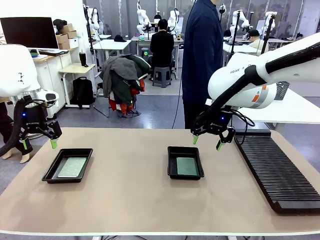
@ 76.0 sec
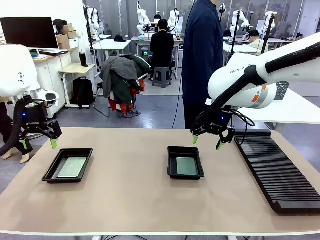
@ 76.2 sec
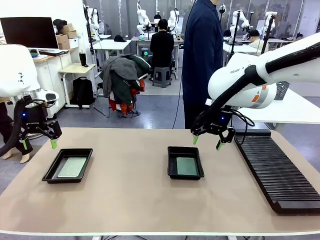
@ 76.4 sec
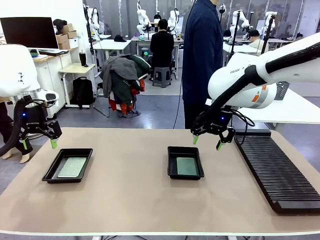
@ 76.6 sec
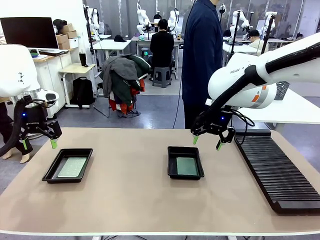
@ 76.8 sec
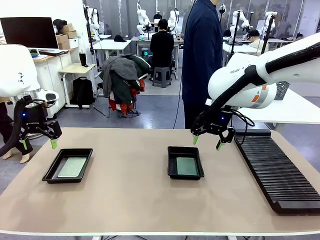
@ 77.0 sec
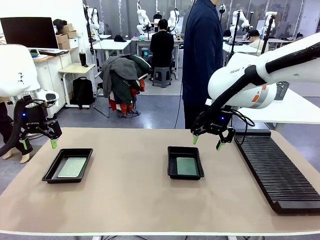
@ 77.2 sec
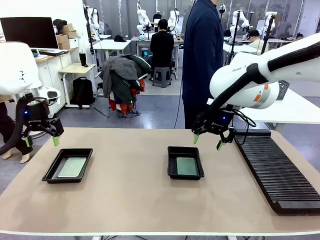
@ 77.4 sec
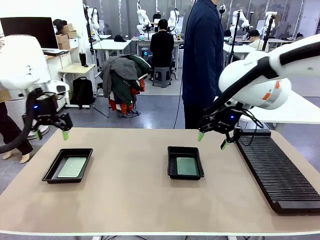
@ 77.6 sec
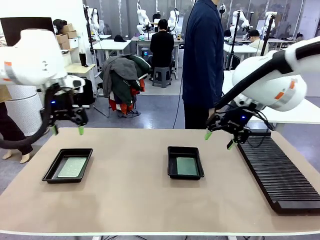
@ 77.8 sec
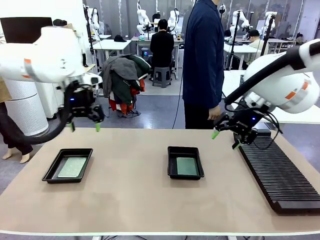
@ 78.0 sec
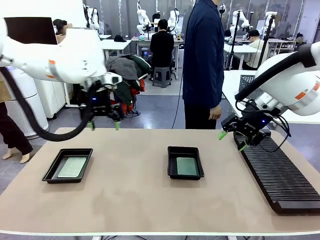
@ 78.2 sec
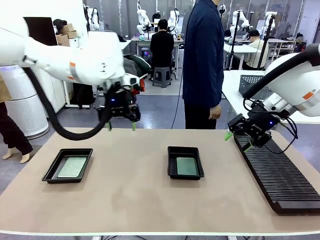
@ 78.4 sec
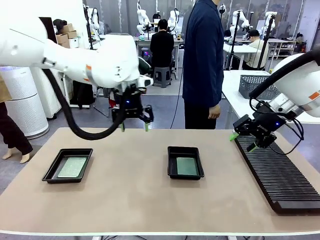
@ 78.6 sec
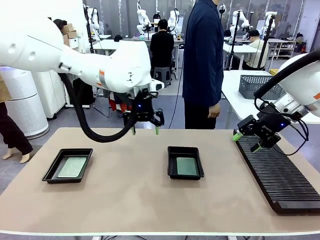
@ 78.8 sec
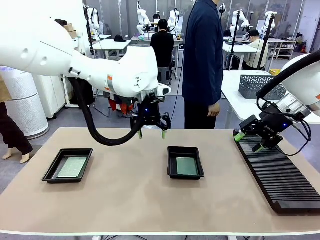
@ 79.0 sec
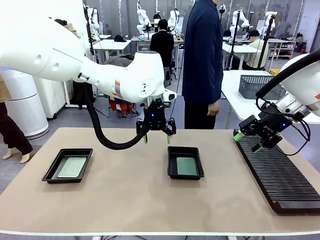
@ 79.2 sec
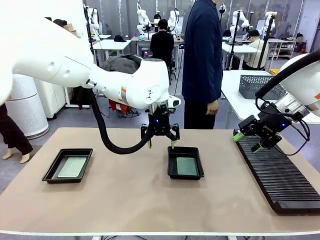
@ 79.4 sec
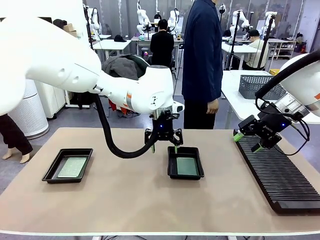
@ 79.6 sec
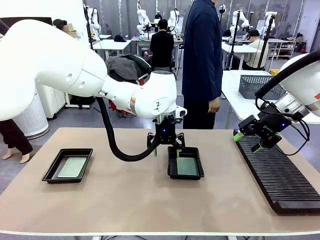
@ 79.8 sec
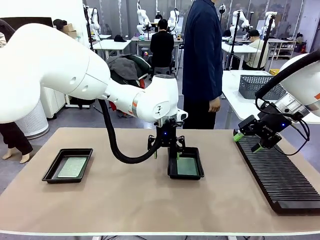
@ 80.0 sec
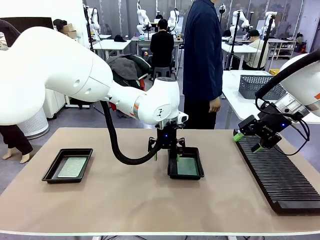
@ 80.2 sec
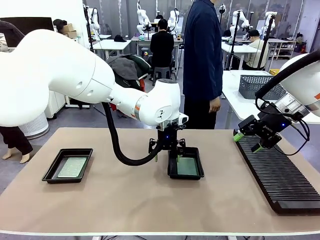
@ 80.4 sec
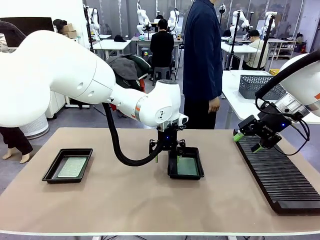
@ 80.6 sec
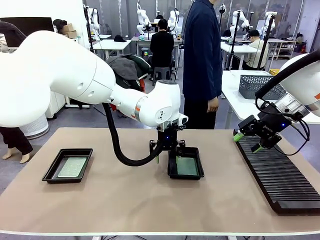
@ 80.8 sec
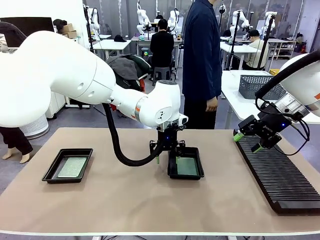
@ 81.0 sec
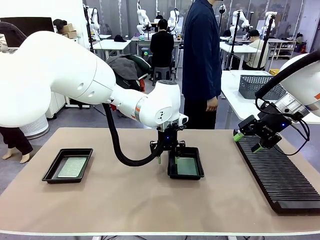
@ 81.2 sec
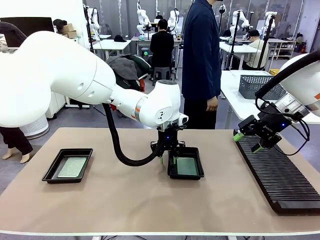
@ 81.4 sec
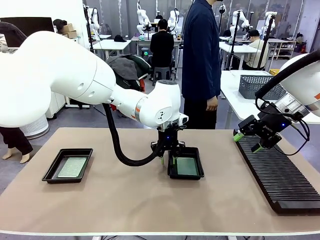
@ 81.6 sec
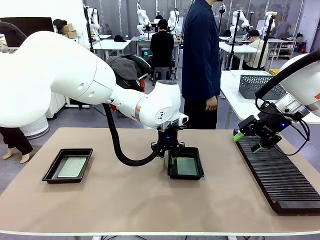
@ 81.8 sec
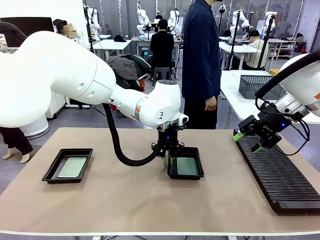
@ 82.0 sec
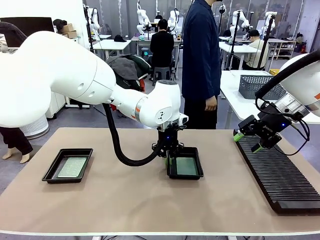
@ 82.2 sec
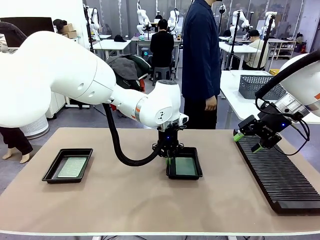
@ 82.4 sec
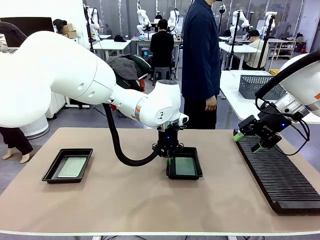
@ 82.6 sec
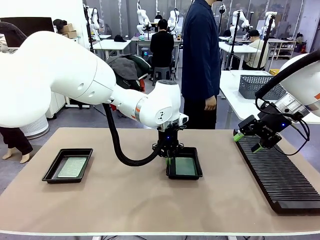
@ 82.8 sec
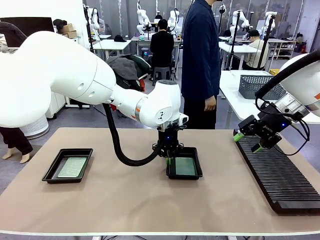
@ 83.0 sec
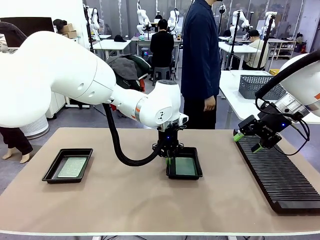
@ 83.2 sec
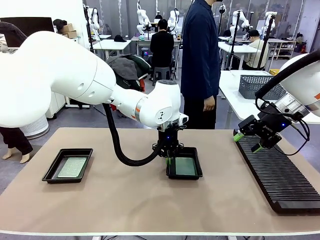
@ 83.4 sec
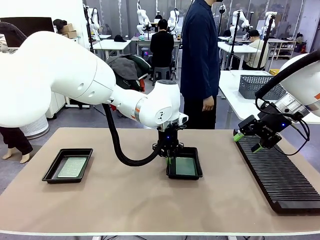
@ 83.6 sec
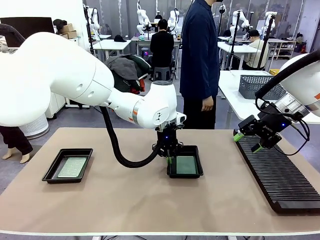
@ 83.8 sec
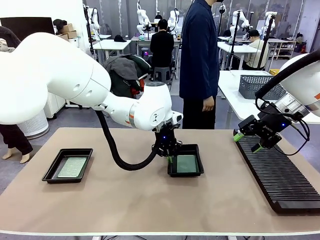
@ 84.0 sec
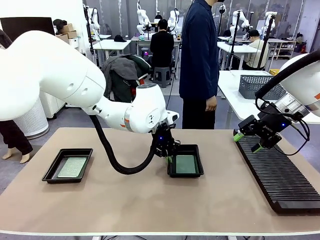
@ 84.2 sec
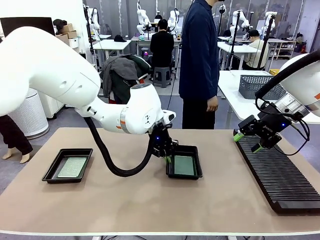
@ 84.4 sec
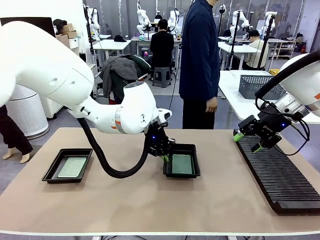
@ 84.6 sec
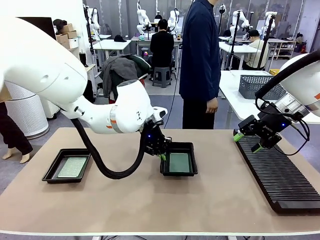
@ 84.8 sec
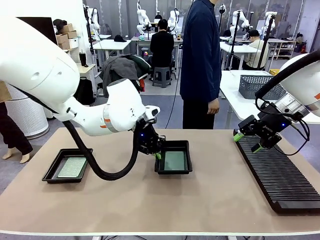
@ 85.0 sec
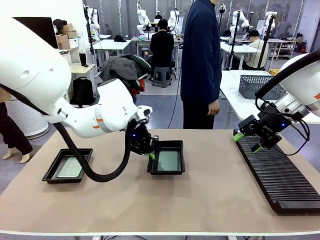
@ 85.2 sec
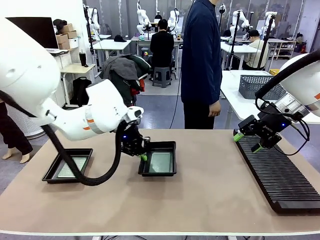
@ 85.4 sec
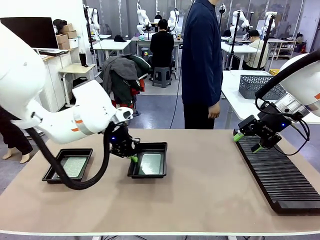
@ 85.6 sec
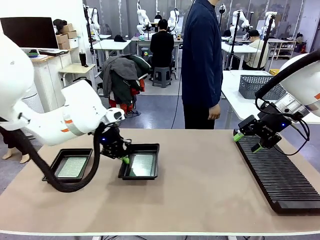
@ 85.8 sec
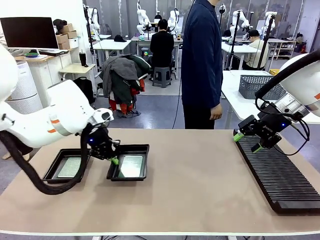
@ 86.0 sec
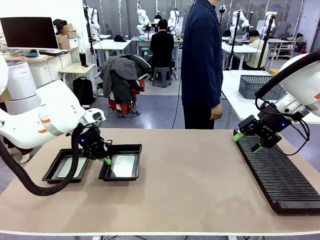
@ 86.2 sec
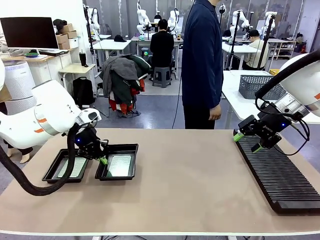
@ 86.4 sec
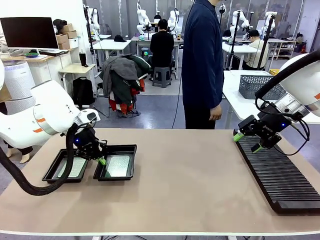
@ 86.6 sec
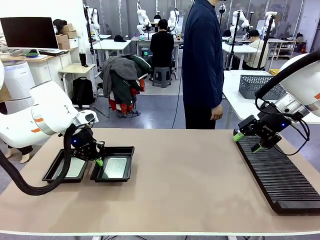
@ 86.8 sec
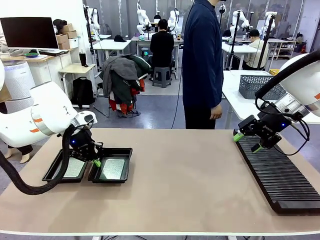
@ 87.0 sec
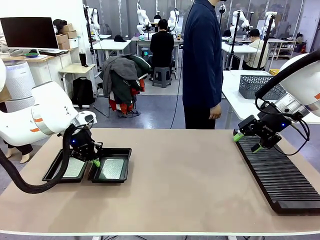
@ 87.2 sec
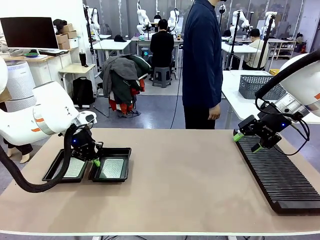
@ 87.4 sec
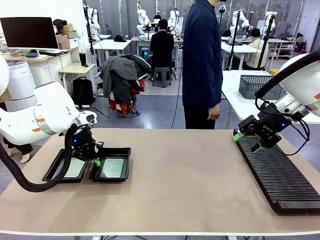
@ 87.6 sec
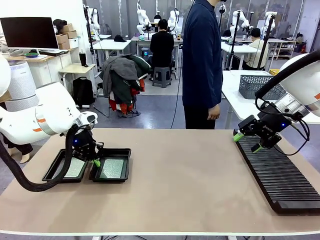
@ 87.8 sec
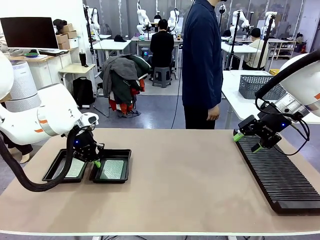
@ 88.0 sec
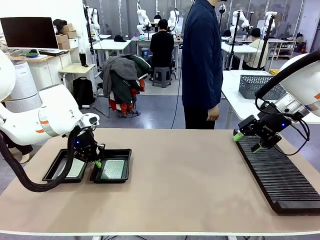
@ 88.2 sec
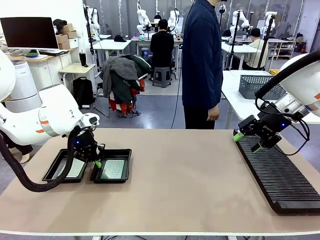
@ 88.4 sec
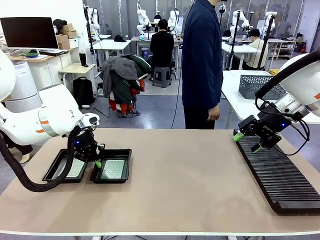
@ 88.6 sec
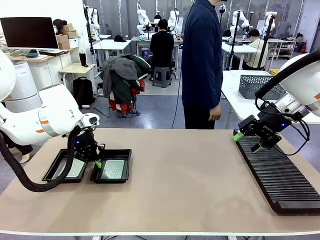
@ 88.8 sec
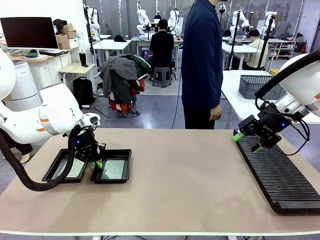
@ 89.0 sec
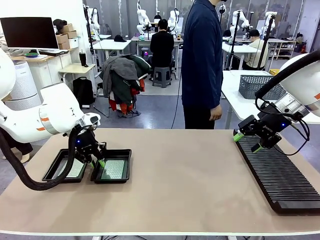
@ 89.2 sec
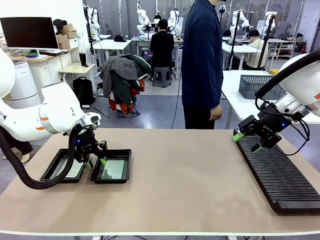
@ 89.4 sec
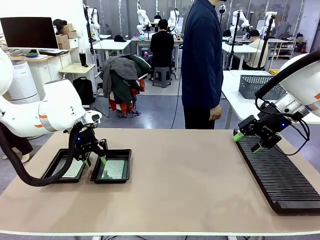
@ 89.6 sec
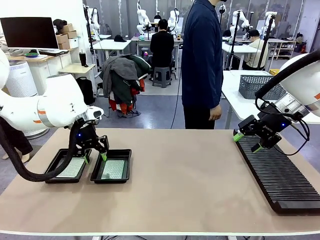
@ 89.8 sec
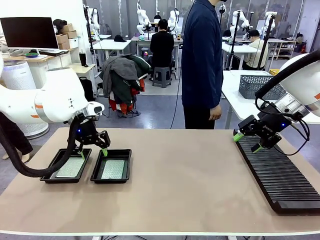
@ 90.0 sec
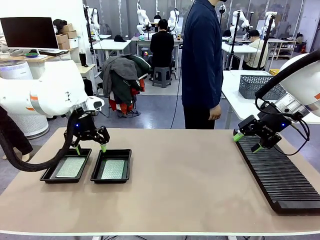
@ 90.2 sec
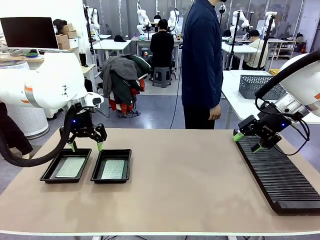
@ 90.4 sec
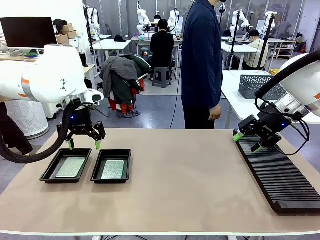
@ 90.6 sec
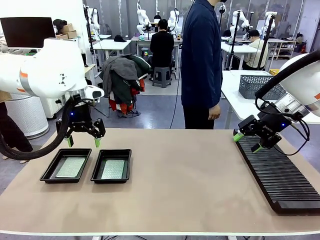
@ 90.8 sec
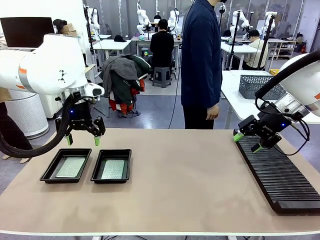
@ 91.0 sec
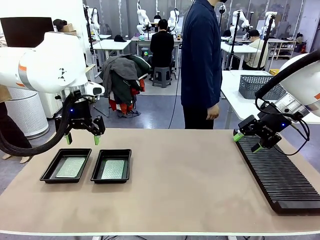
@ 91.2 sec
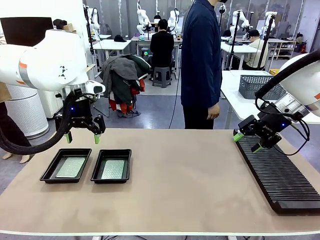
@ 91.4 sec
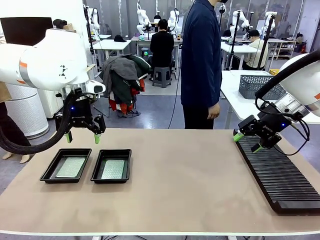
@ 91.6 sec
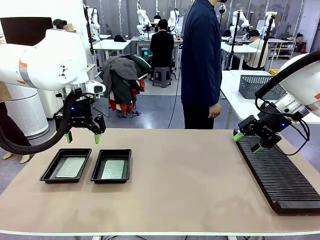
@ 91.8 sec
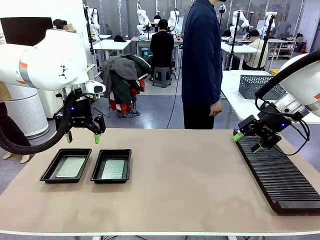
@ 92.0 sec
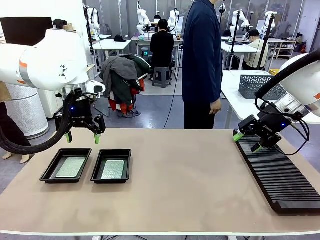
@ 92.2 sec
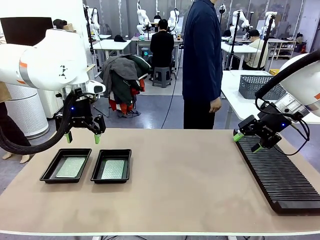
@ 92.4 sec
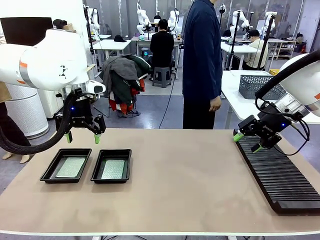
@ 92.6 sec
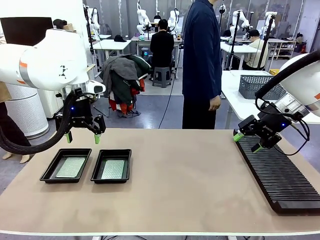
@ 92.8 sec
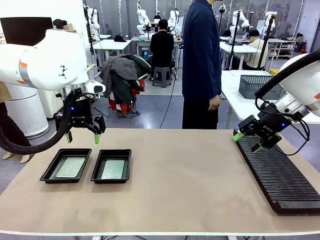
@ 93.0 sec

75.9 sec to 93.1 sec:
Task: Inspect and transfer BCBs to ESD trays.
Robot: Pick up the ESD tray and place it on the left side of the table.
